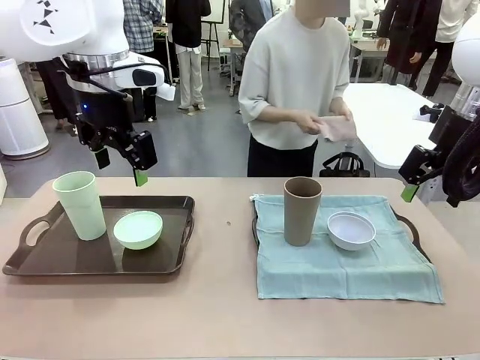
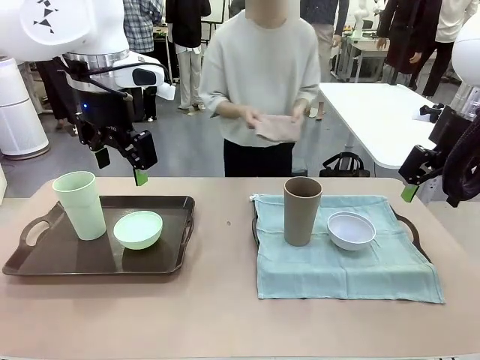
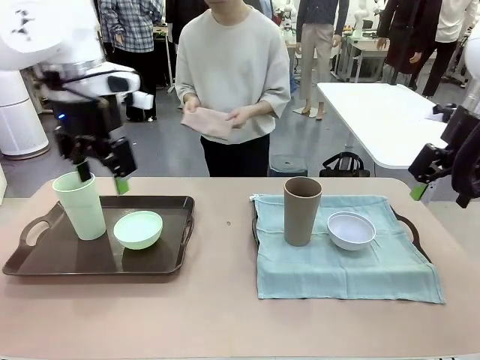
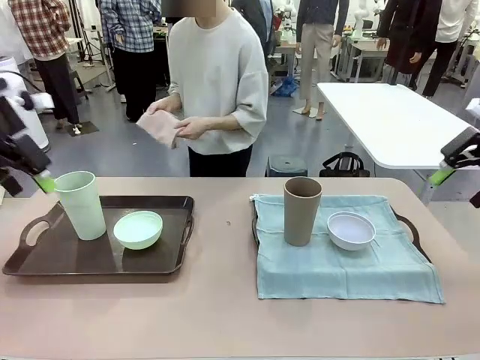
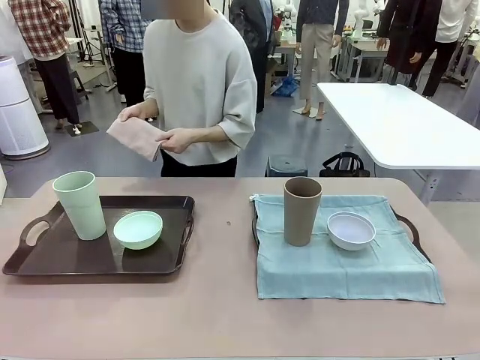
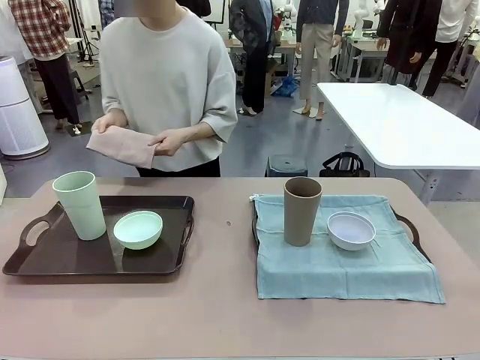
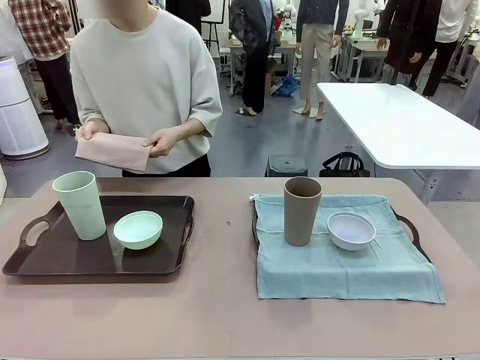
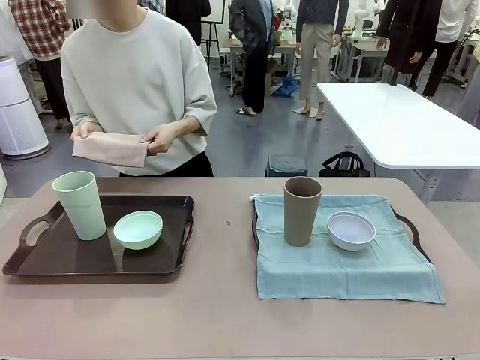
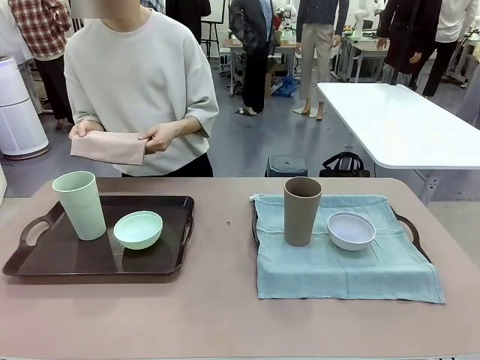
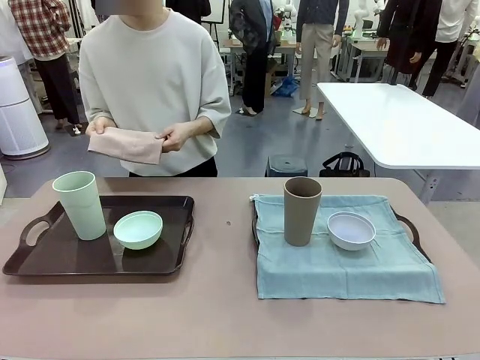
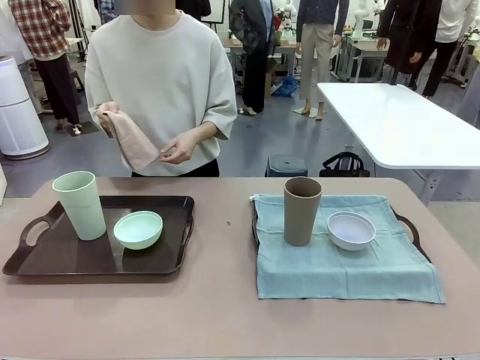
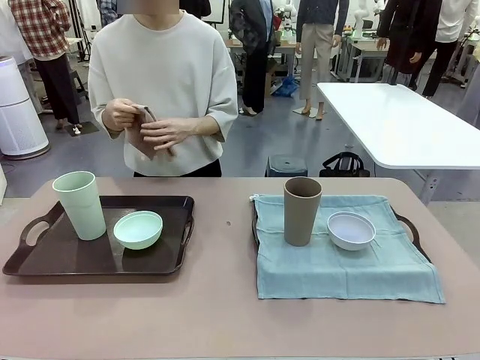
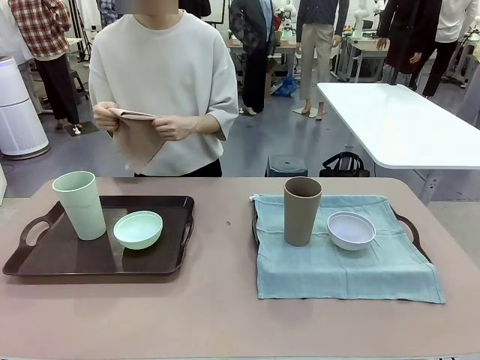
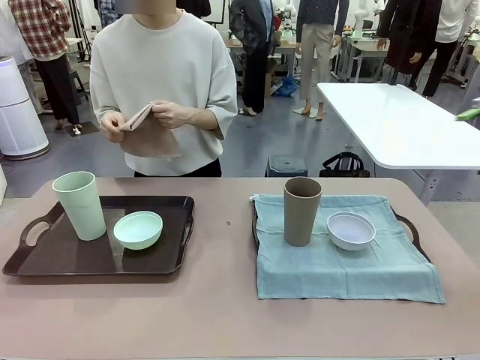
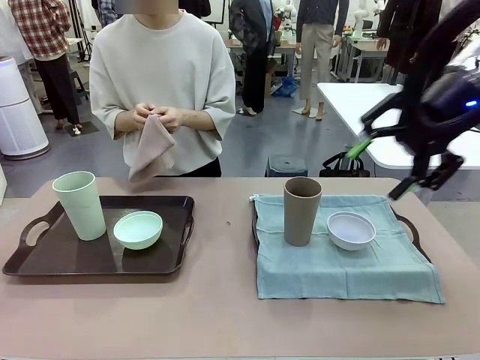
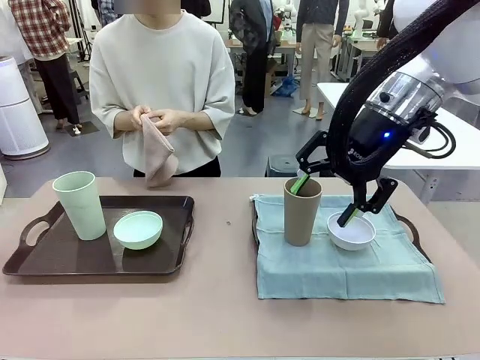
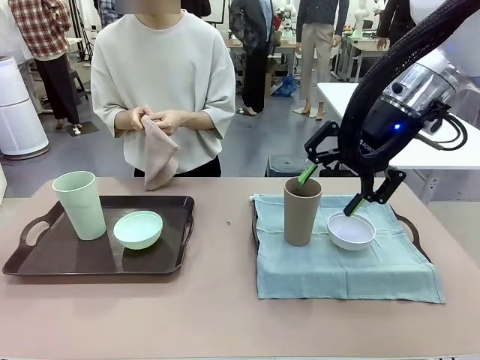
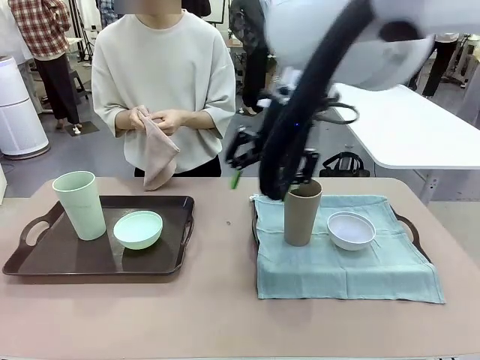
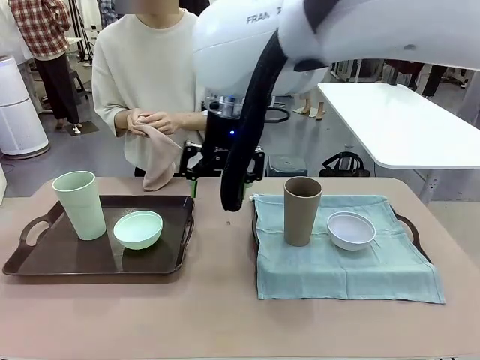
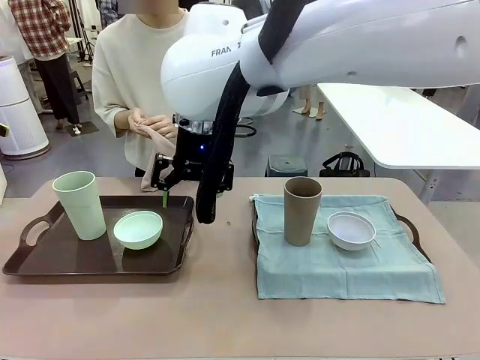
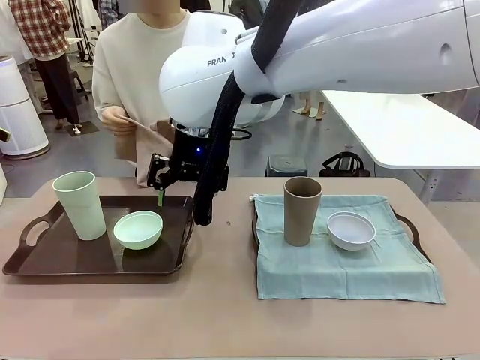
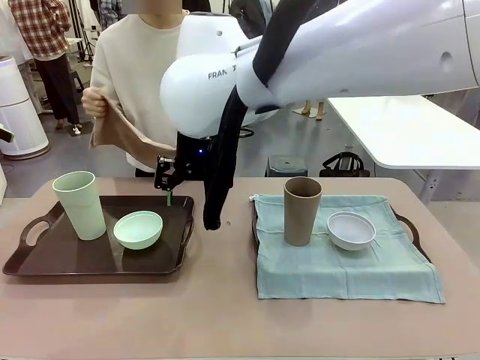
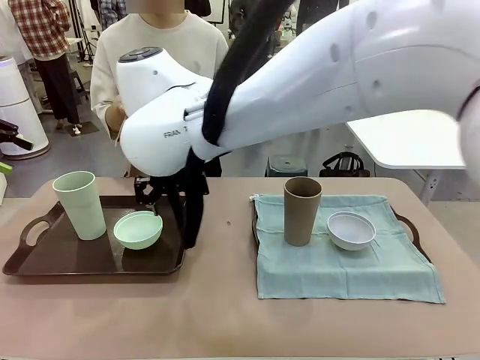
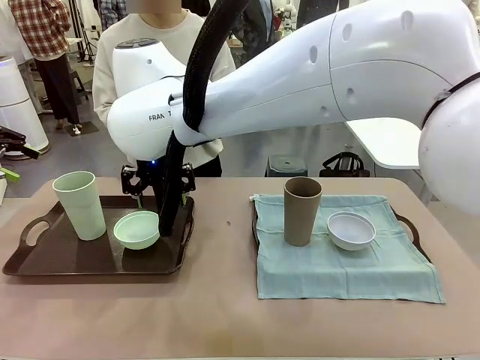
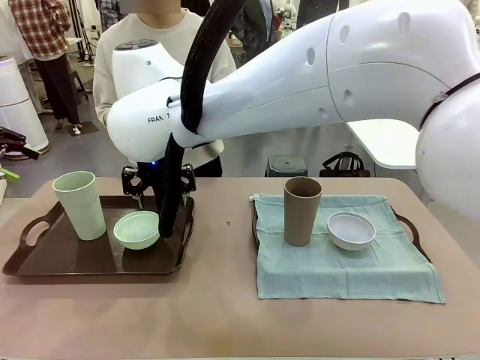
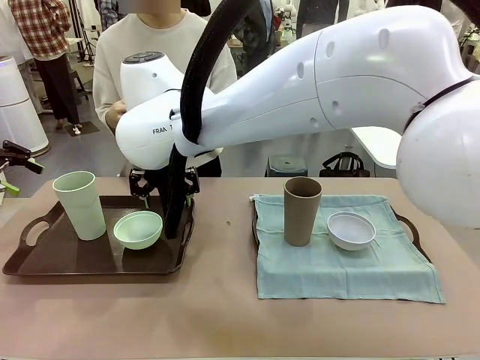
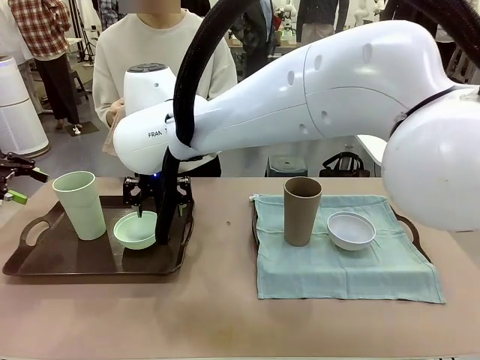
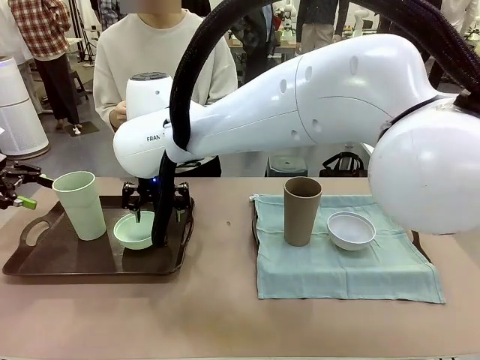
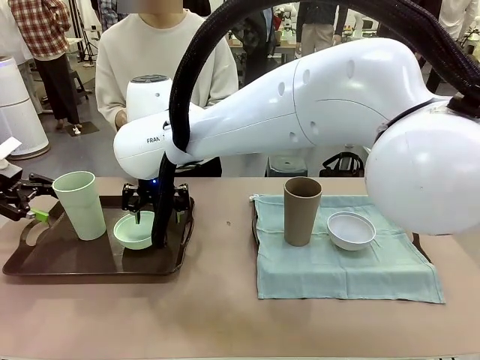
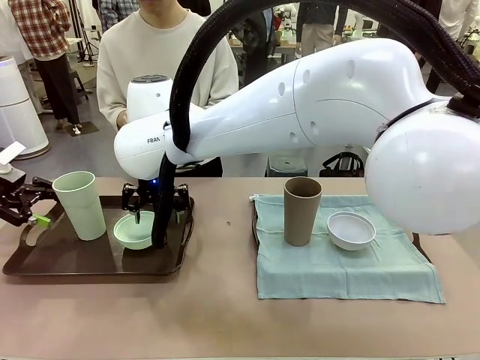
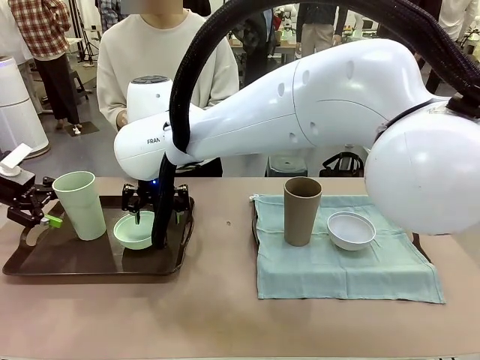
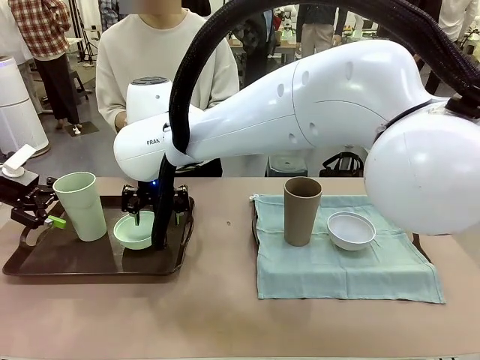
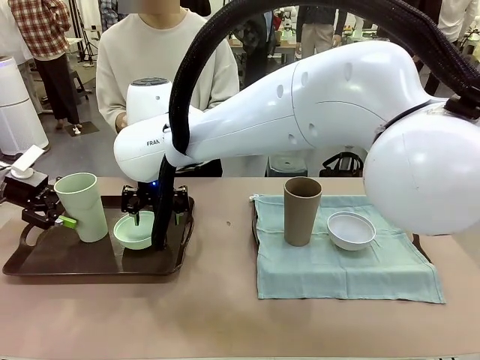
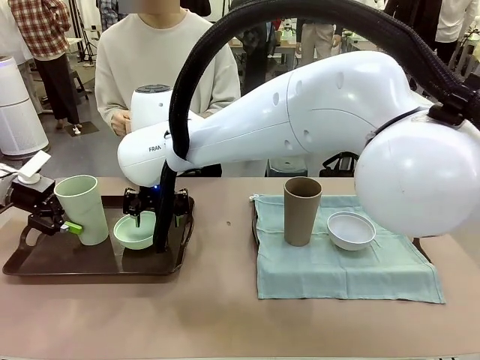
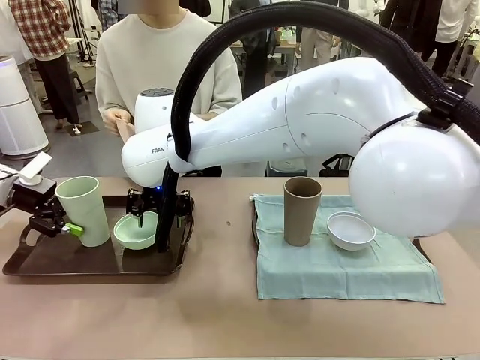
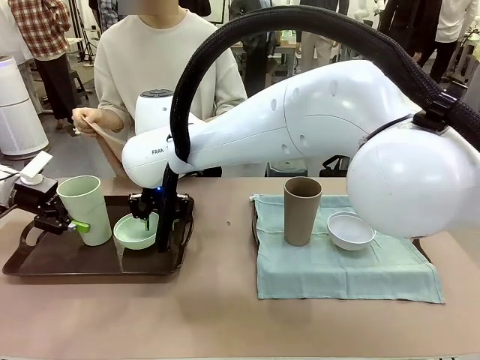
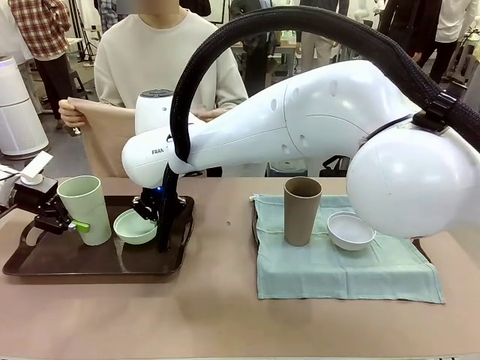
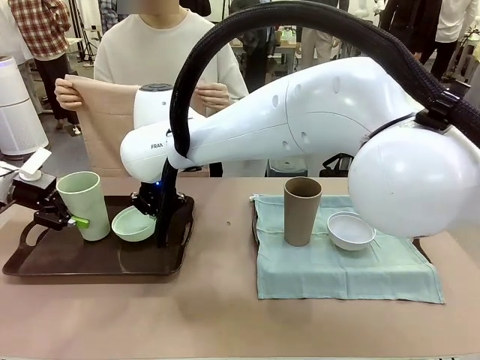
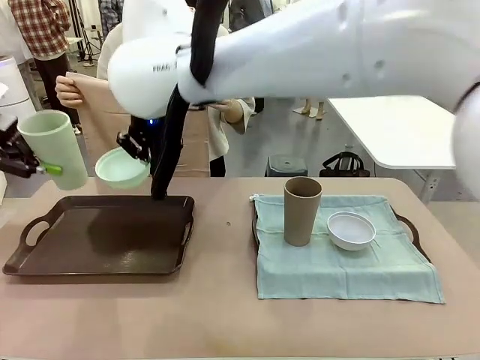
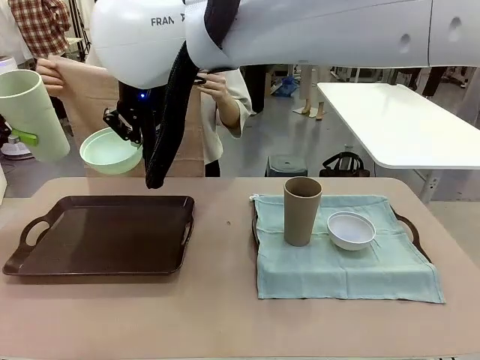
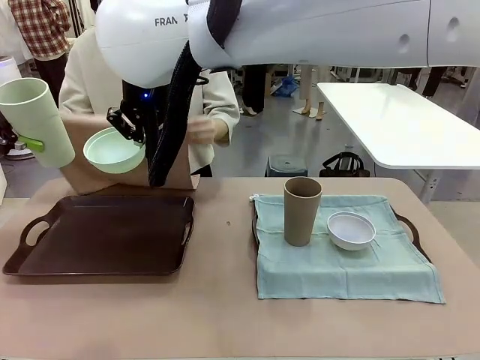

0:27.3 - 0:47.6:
Robot: Pick up the Picnic Bowl and Reusable plastic cup from the Handle tray in front of the human's position and hold them in the air.
Person: When the robot lifts the bowl and the cup, the human unfolds the napkin and lays the napkin flat on the tray.

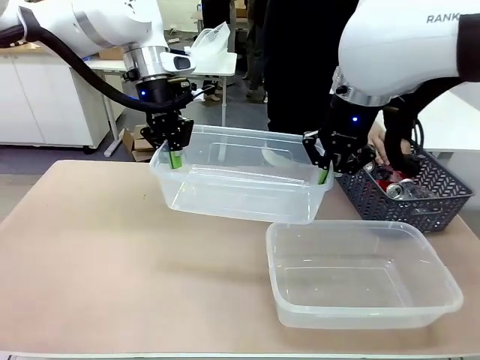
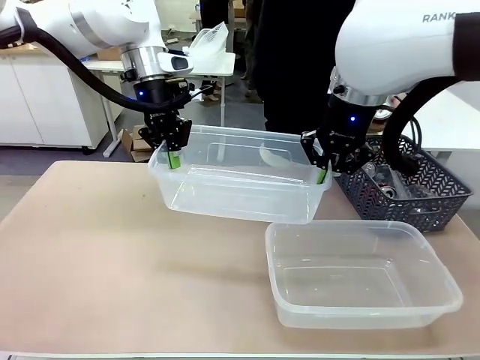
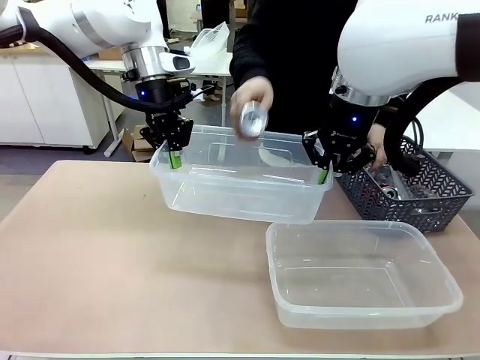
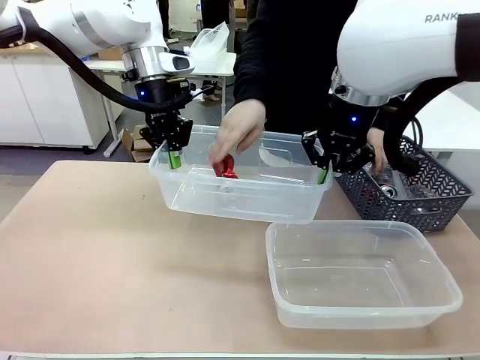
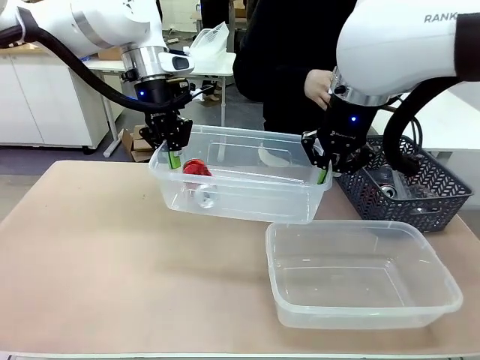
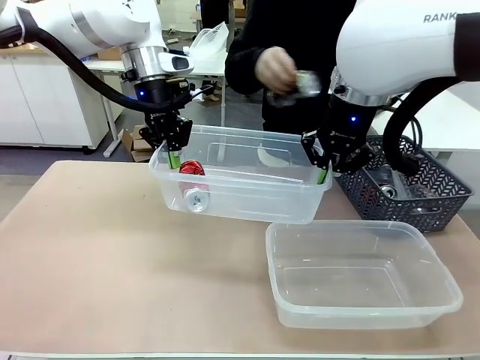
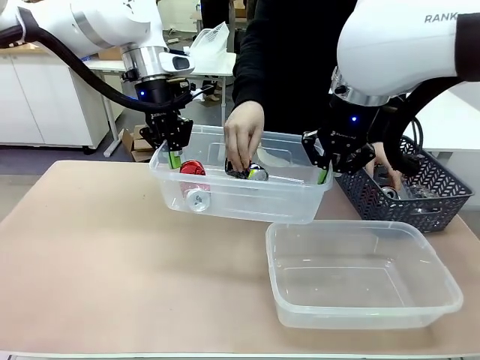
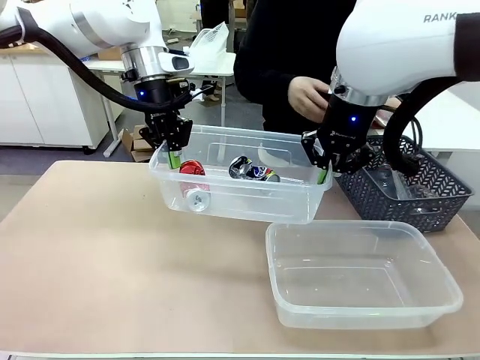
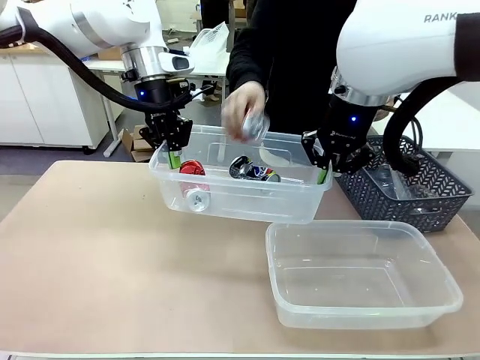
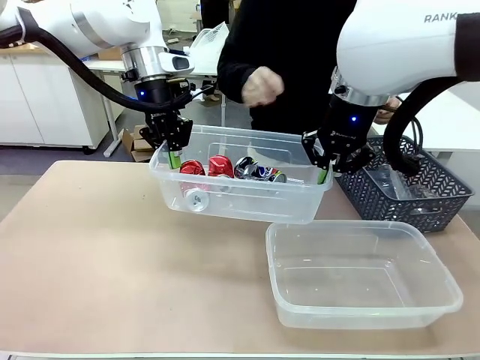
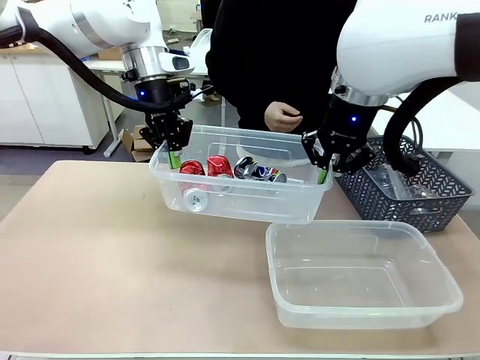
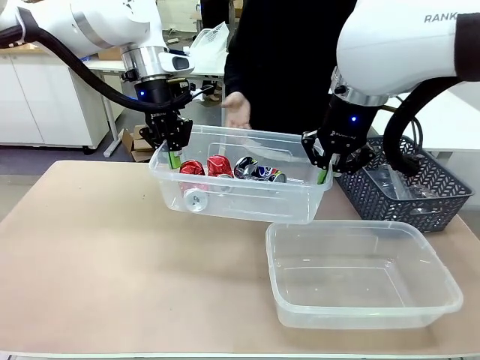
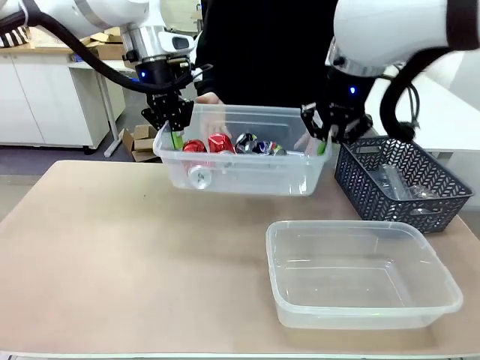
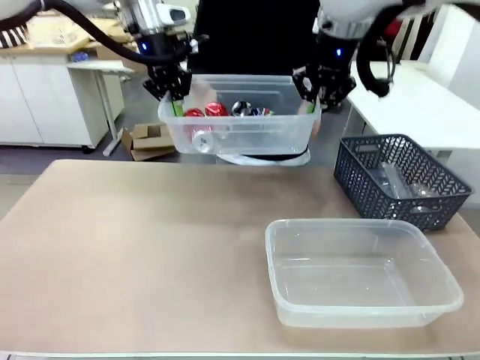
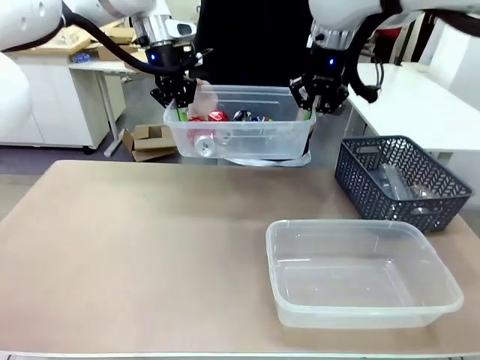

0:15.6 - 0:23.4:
Robot: Offer the picked Organizing box to the human.
